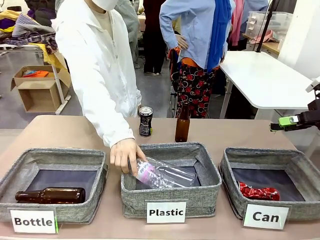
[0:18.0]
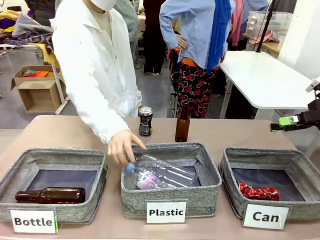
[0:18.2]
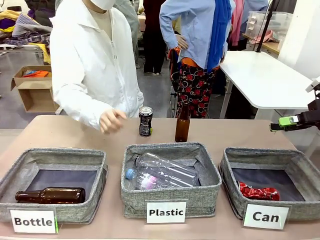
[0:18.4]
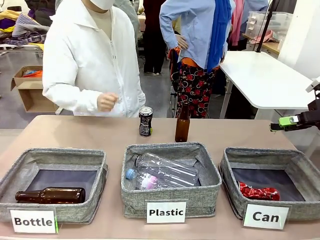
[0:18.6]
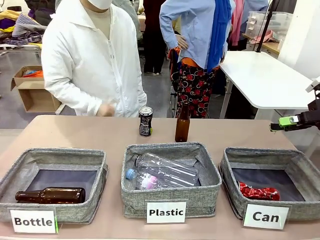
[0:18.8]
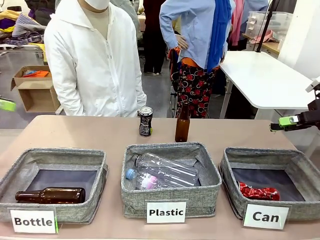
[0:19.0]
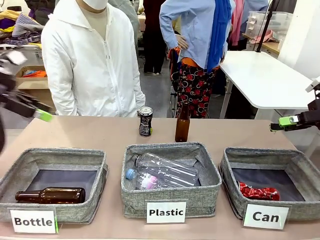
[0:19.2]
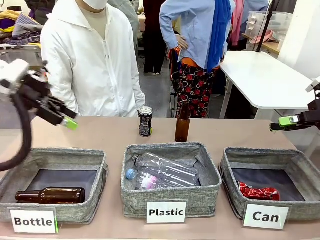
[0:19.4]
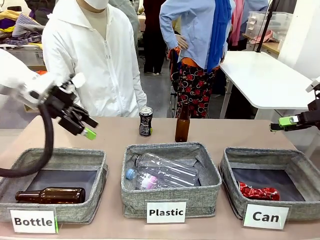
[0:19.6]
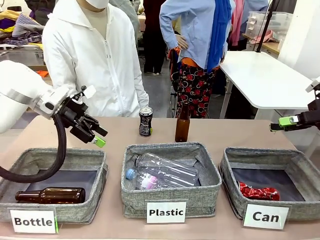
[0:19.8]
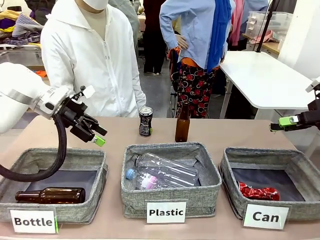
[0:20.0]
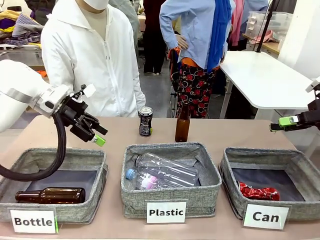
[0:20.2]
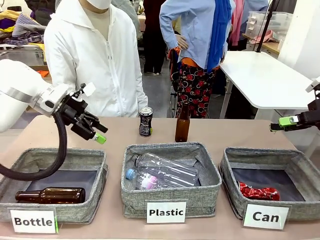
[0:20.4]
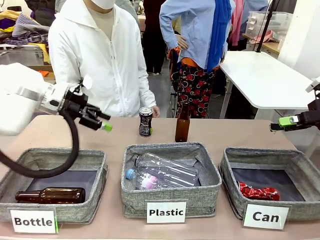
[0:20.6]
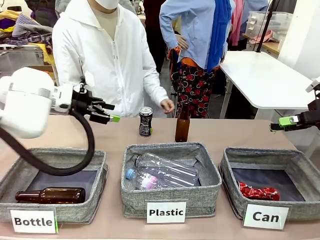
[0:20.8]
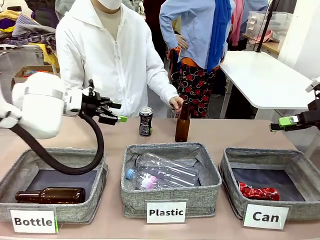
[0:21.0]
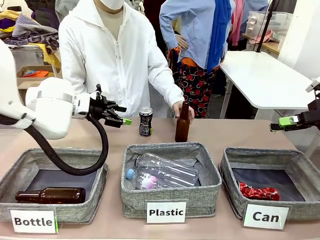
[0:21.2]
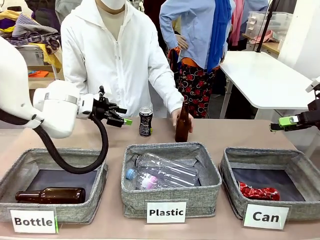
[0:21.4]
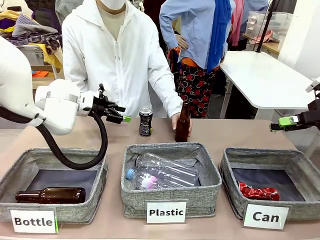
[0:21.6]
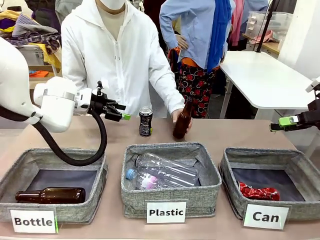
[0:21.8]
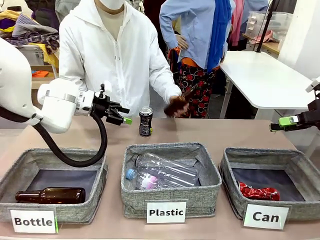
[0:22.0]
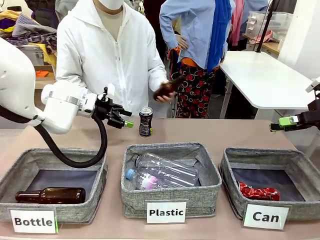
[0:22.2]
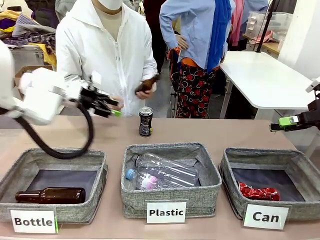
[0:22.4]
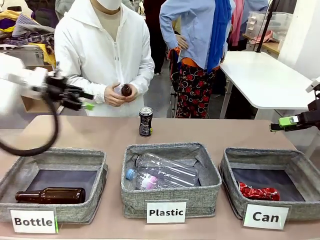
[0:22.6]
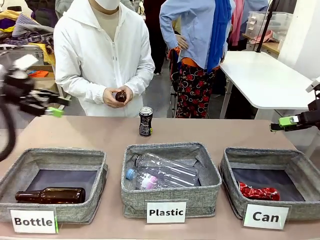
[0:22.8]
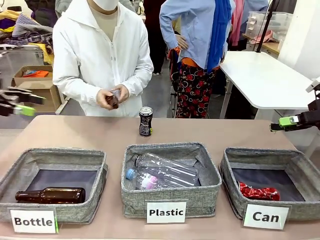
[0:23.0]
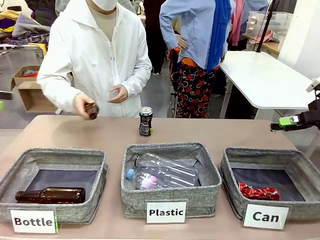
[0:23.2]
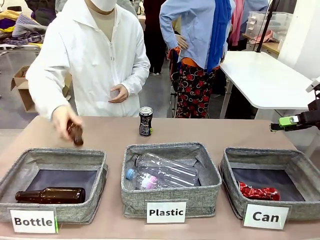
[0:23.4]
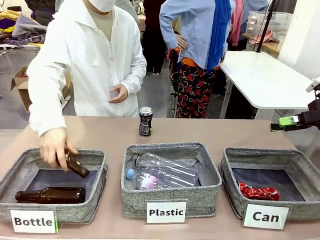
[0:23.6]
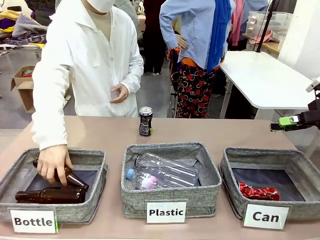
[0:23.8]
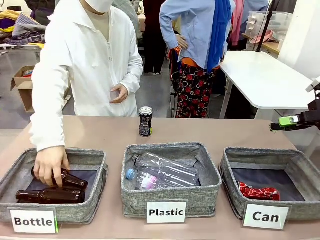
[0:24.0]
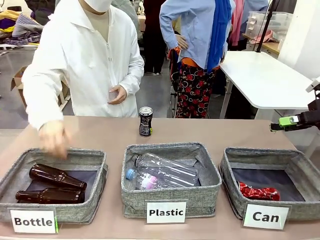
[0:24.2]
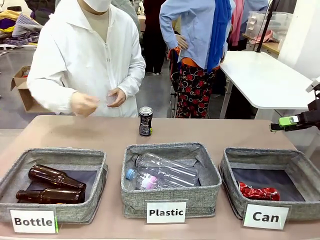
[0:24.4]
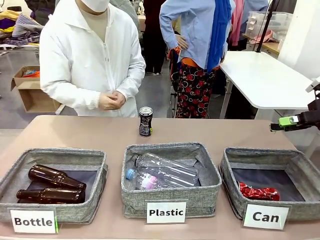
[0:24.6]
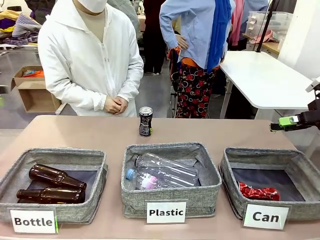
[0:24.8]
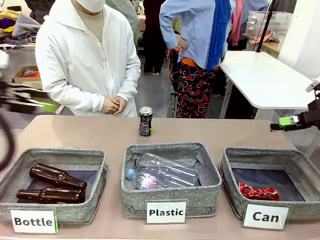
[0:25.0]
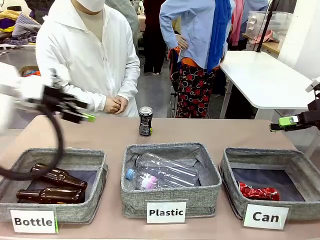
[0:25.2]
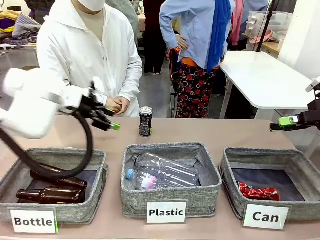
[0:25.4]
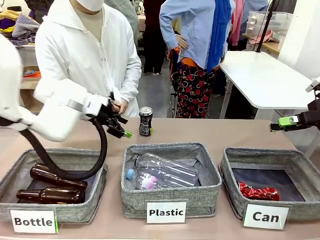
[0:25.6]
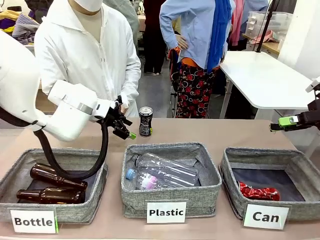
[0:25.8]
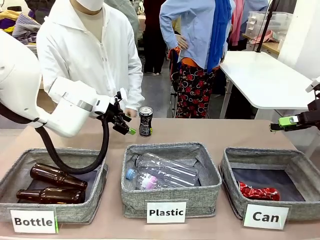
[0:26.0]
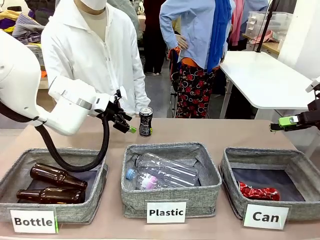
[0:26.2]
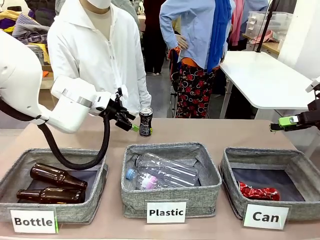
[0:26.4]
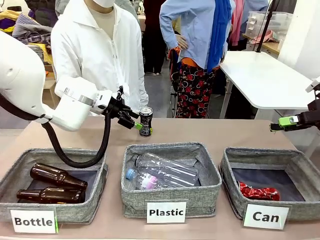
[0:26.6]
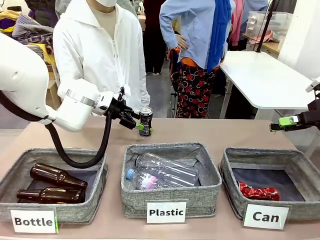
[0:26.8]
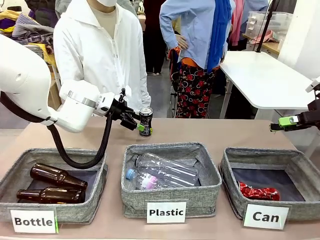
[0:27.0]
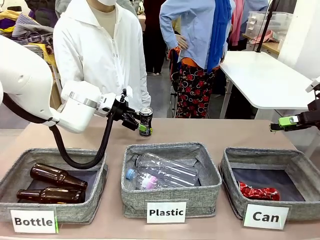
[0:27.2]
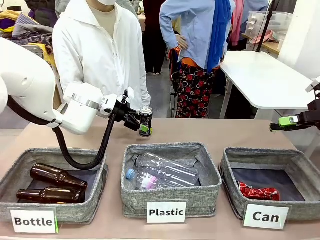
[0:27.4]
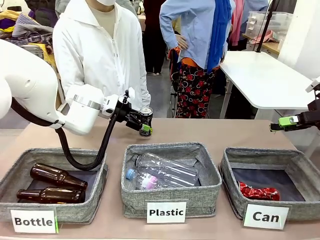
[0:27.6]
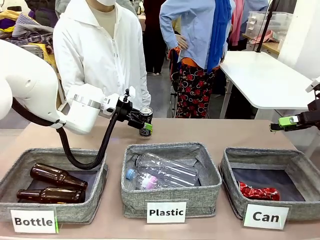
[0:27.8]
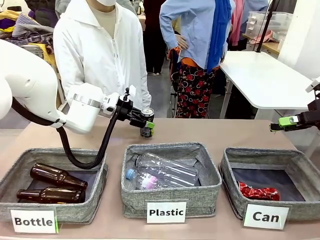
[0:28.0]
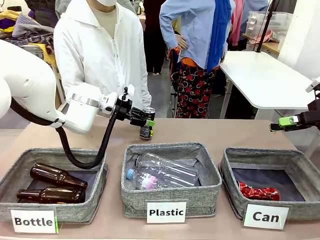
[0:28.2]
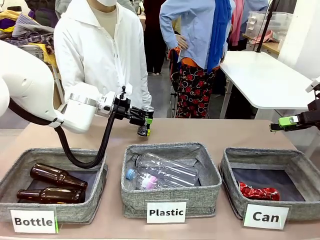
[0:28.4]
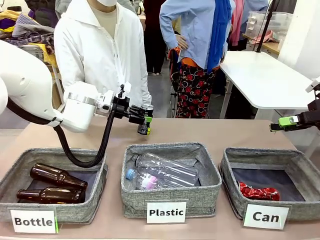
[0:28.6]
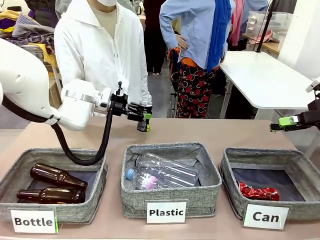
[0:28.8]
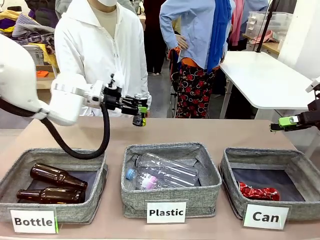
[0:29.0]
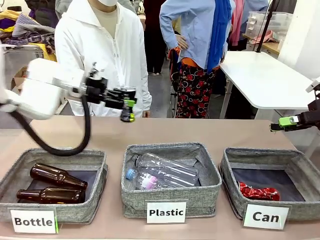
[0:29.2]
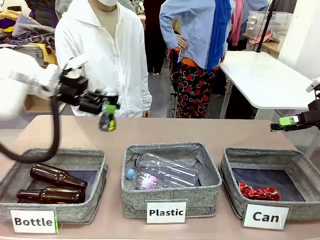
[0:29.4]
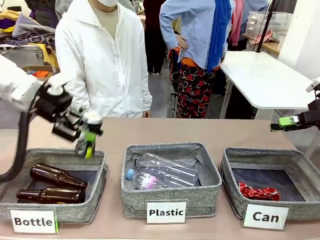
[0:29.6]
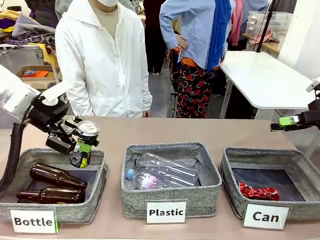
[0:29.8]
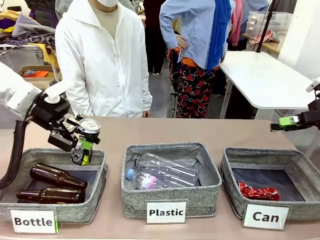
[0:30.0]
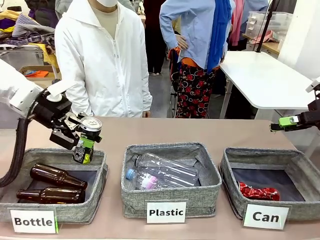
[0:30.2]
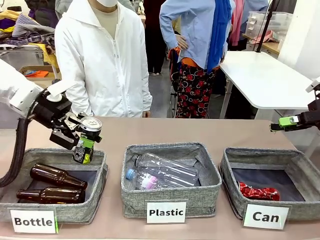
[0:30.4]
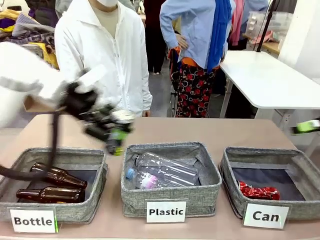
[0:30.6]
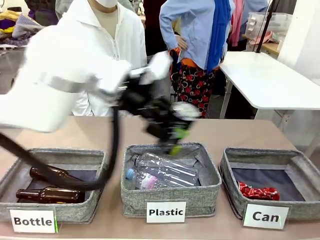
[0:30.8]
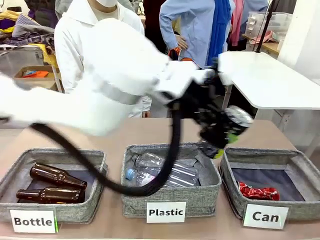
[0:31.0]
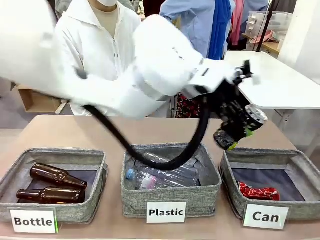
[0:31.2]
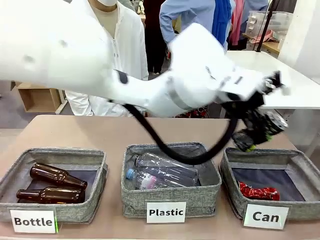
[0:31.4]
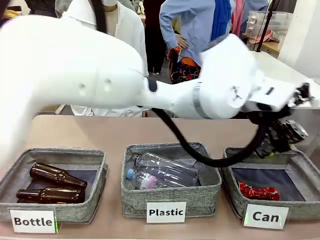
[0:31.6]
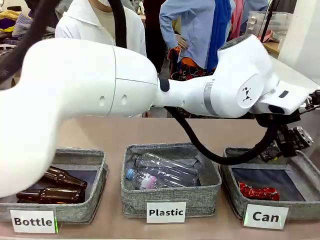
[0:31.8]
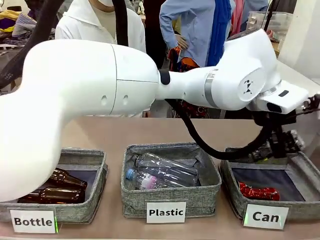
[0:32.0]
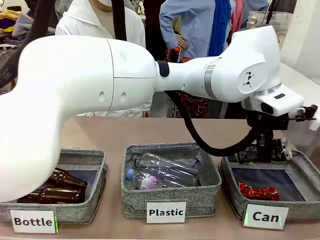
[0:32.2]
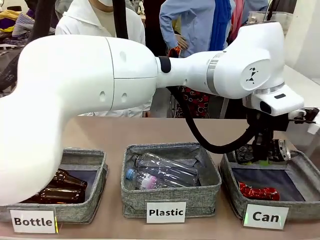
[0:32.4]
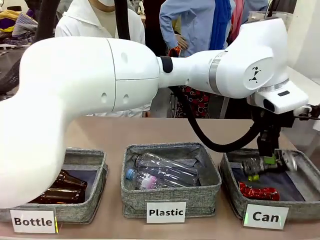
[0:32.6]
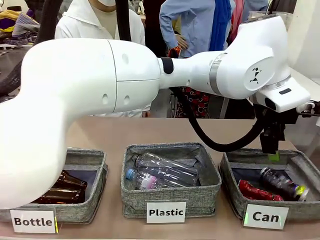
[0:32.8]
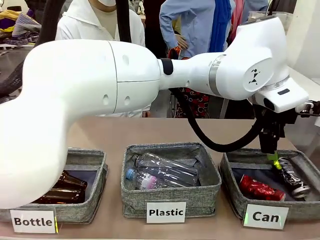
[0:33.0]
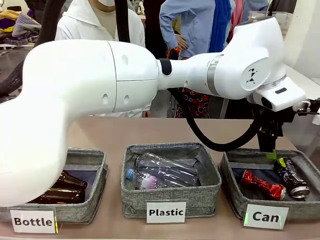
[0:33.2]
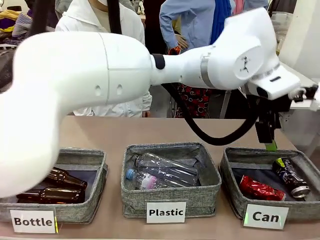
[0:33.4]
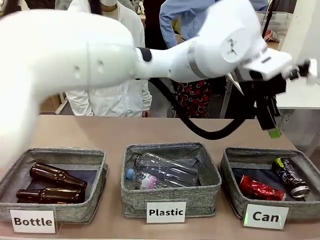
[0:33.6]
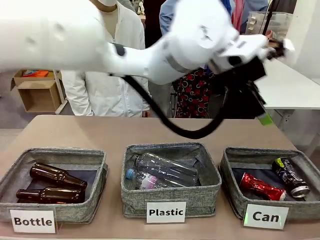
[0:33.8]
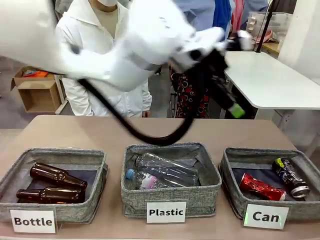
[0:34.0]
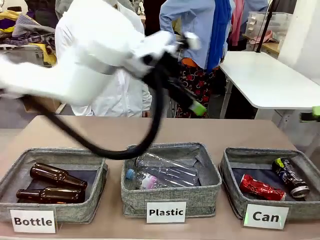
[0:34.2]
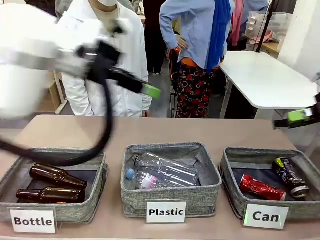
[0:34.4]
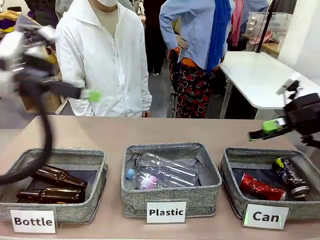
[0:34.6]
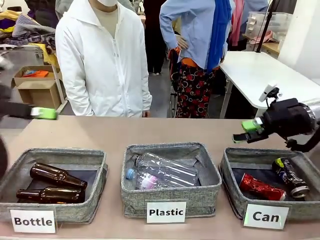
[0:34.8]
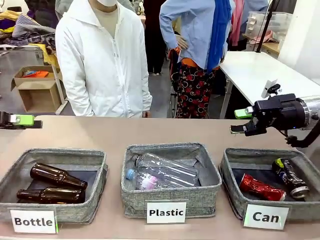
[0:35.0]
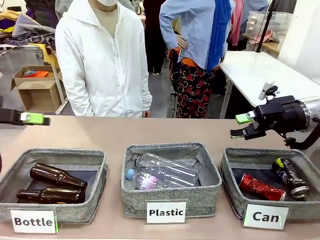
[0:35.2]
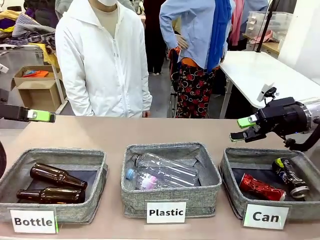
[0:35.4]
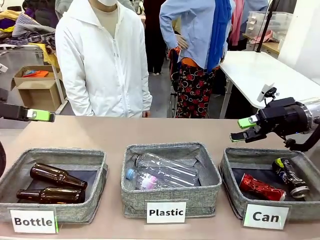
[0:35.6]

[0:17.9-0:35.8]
Task: Sort the can waste into the basket.
Robot: Pick up the can waste from the table and place it in the right Fabric basket.
